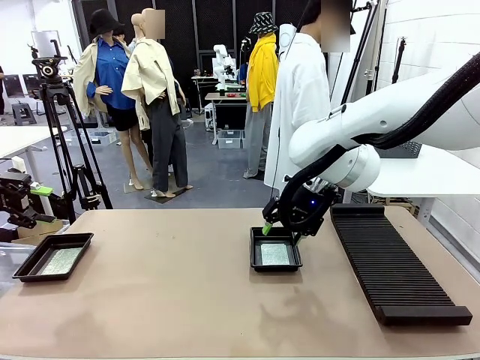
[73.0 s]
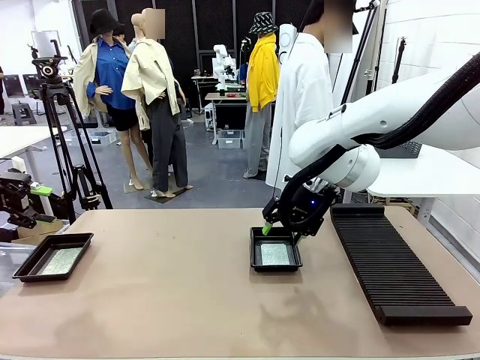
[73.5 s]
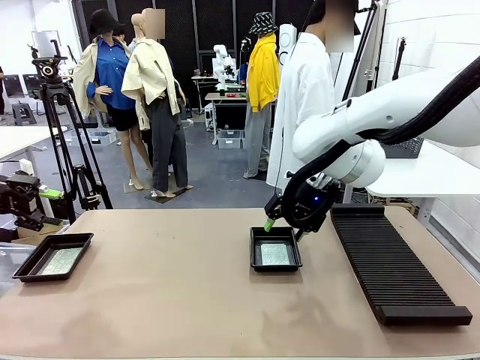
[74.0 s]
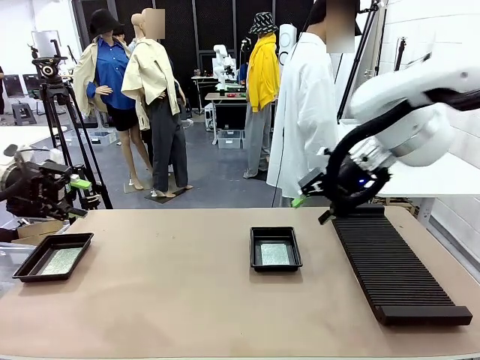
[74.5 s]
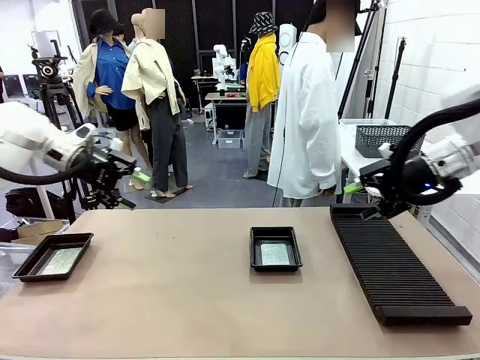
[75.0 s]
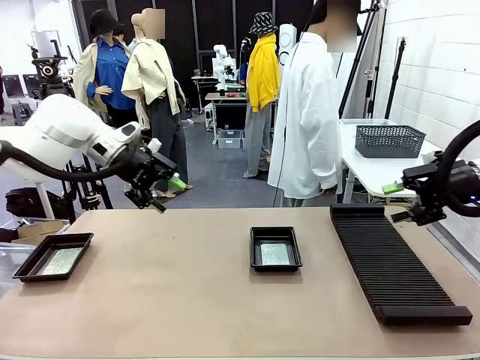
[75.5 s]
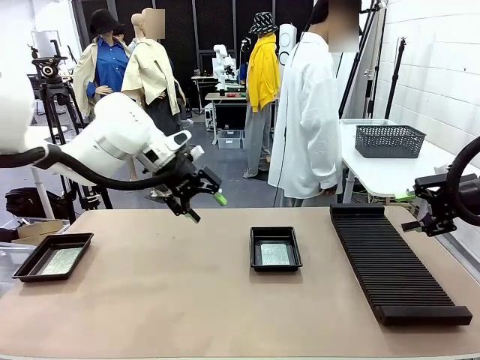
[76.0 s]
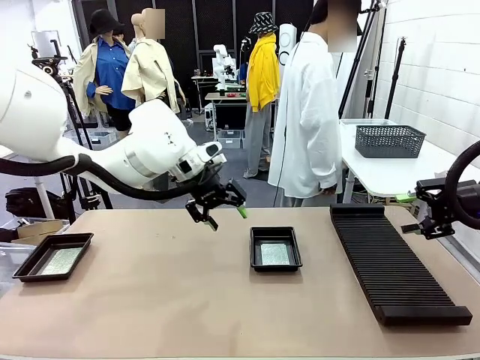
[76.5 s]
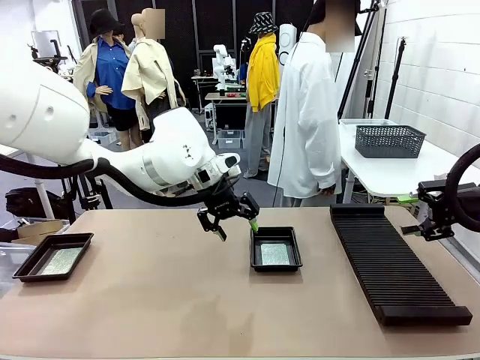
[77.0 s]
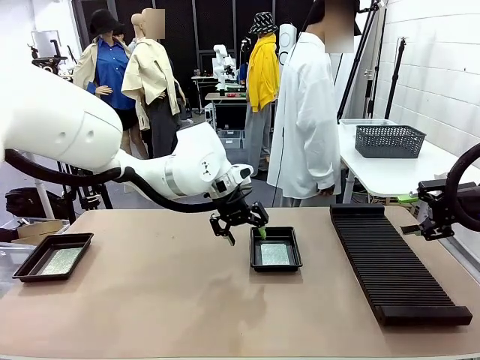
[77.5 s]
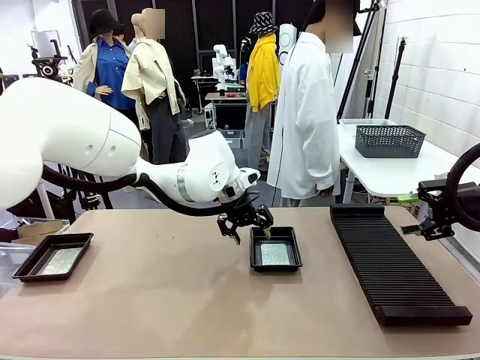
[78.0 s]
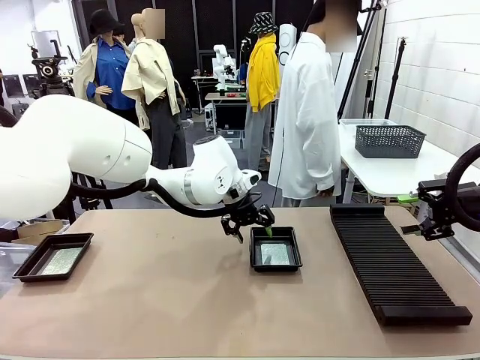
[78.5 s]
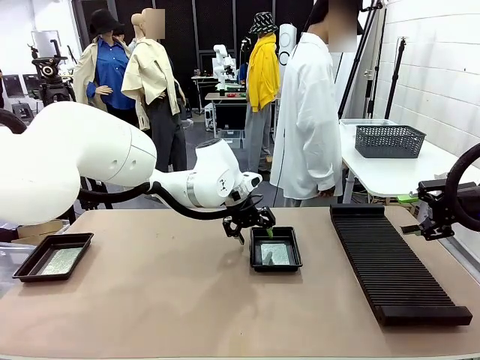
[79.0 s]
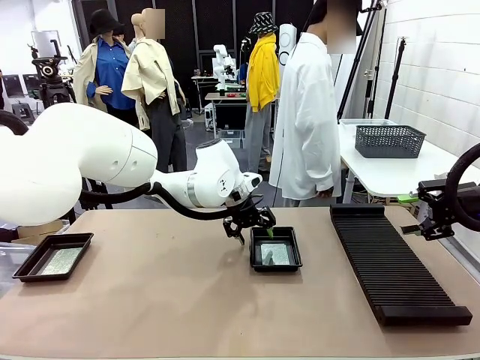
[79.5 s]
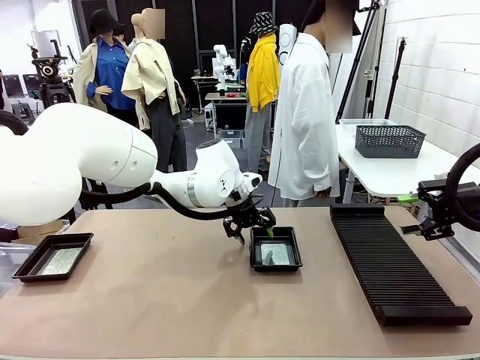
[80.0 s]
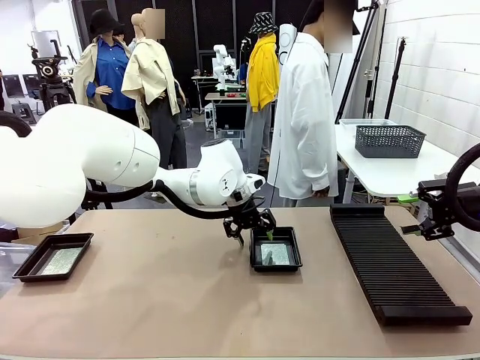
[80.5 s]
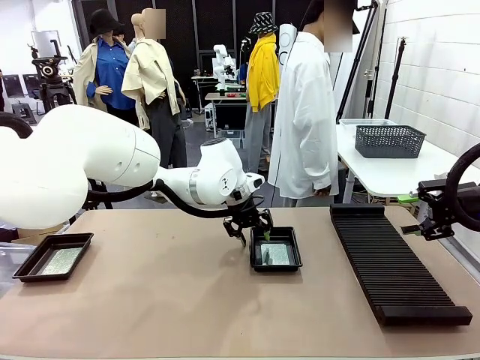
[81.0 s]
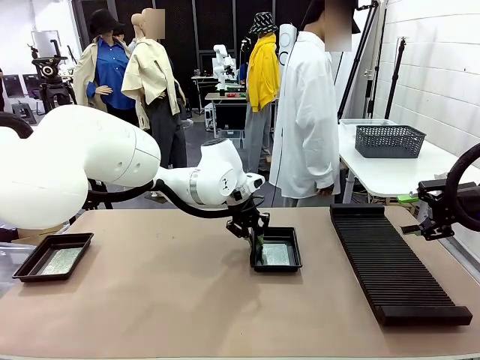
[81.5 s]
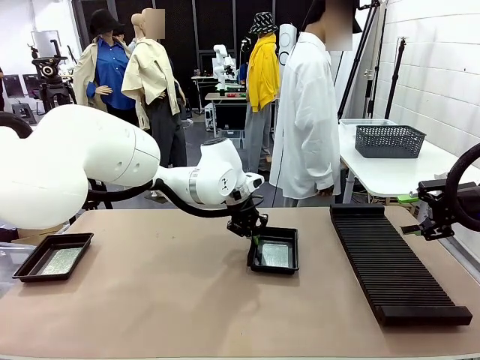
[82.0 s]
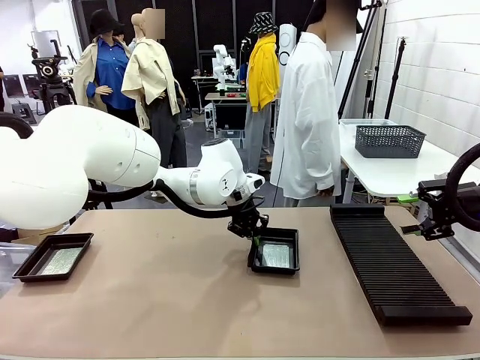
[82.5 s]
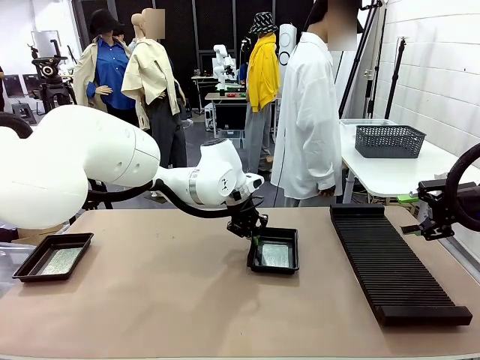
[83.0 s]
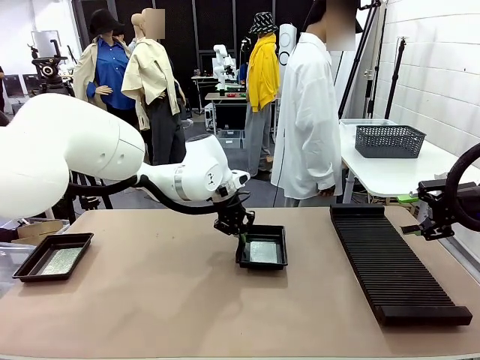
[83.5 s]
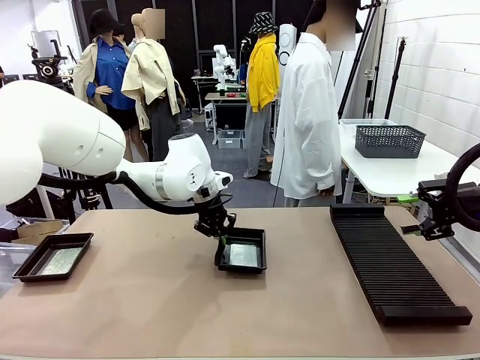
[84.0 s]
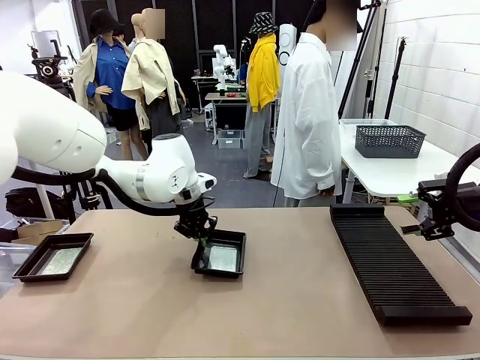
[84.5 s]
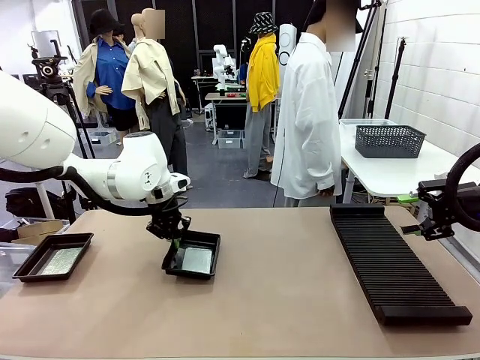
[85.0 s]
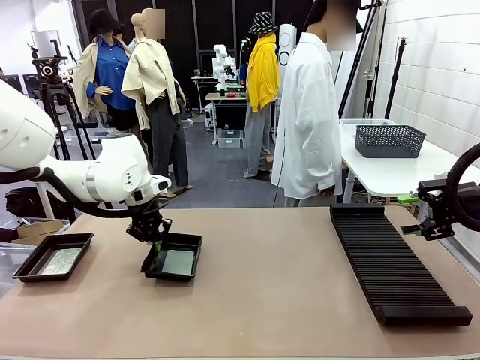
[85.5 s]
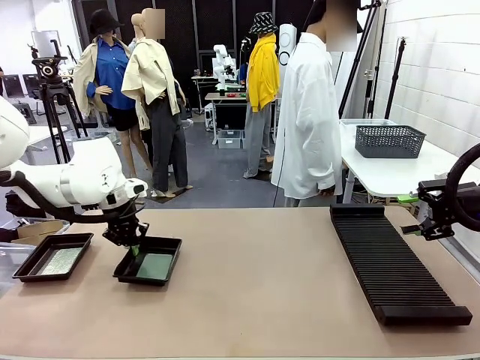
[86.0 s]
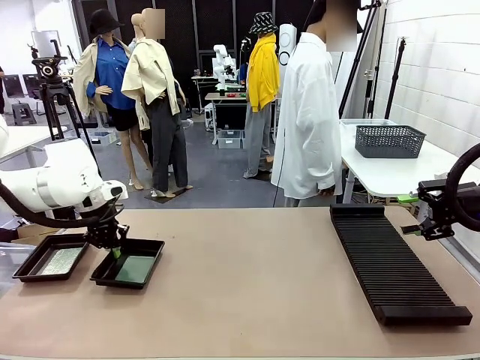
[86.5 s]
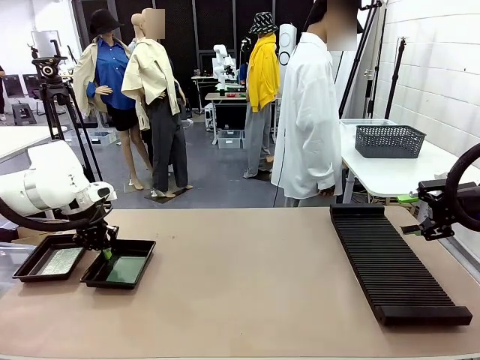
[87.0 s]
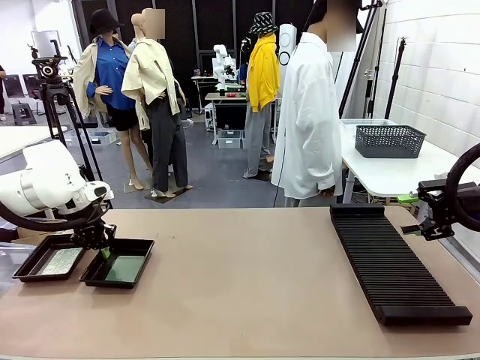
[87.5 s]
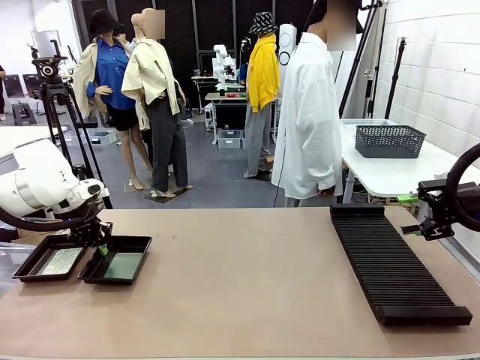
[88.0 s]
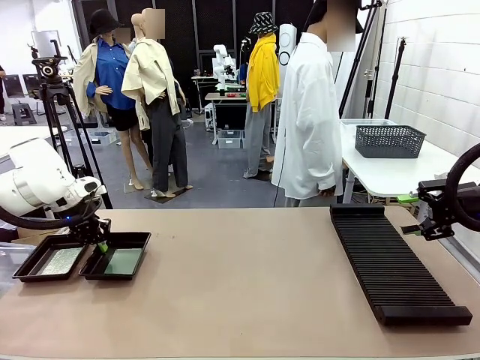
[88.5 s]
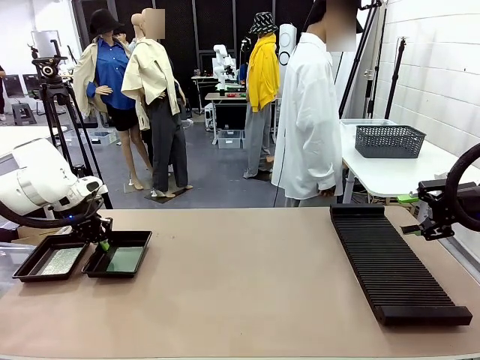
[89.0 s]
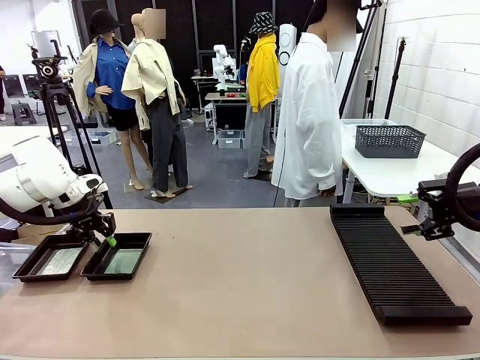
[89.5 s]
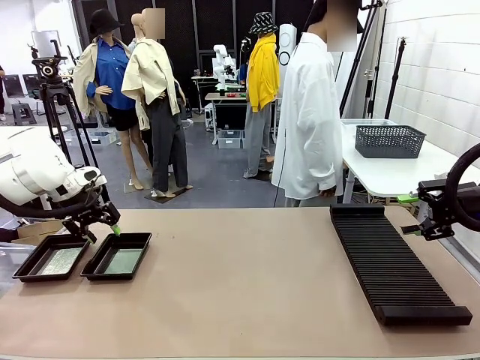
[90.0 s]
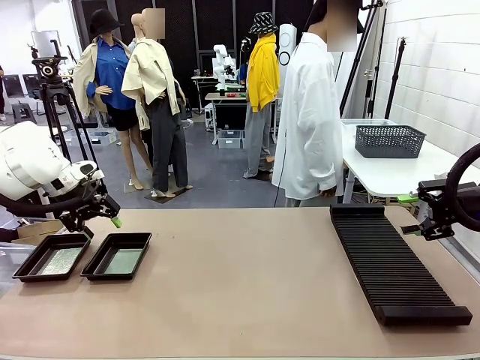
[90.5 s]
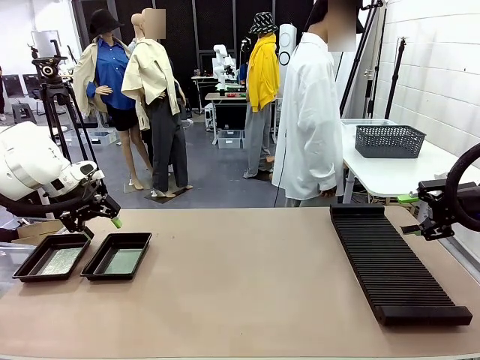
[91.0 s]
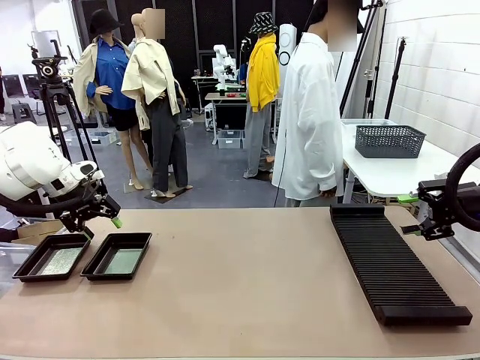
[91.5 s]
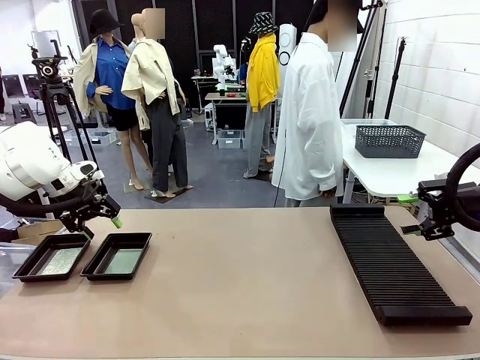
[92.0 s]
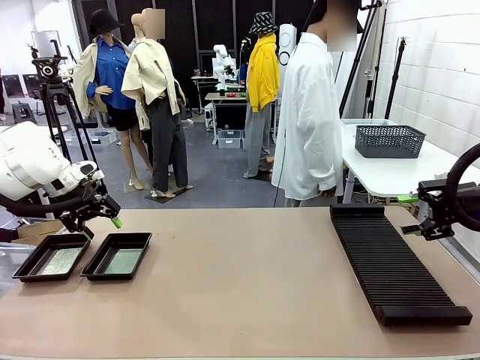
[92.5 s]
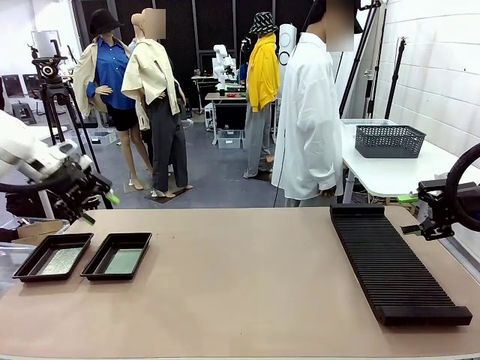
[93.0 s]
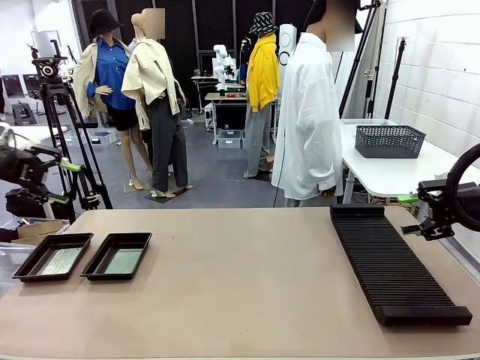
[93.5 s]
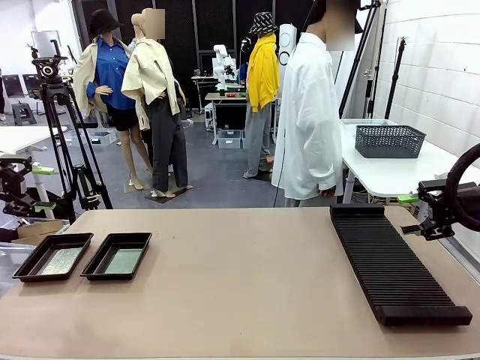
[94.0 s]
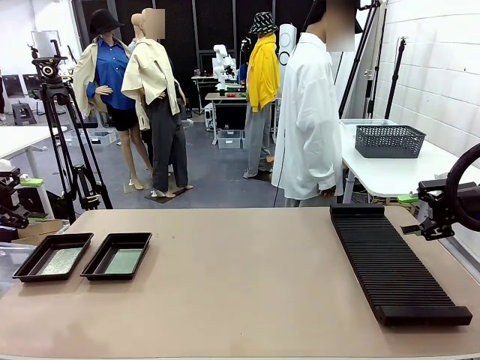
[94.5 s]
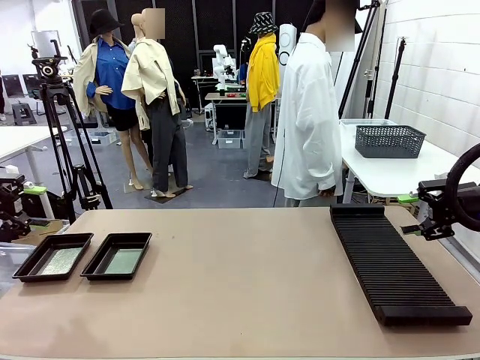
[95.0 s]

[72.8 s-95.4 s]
Task: Inspect and transfer BCBs to ESD trays.
Robot: Pick up the ESD tray and place it on the left side of the table.
